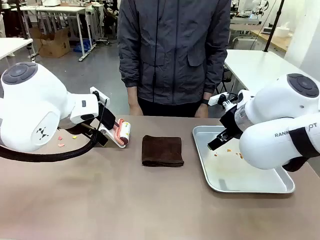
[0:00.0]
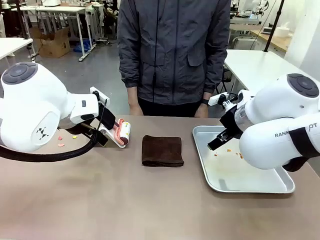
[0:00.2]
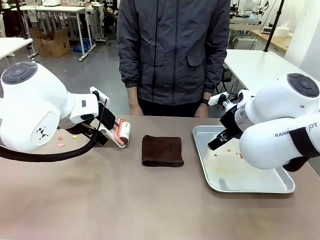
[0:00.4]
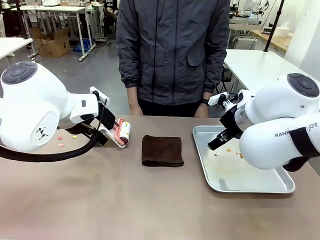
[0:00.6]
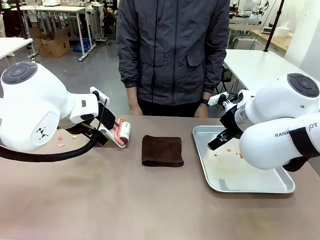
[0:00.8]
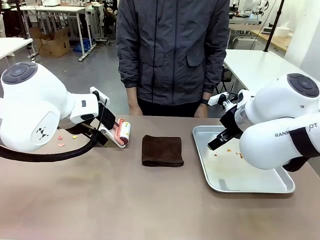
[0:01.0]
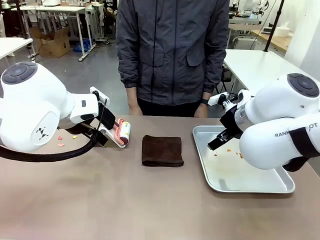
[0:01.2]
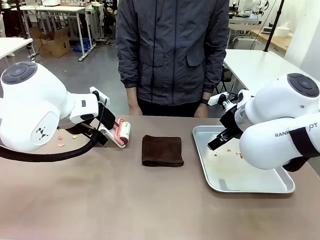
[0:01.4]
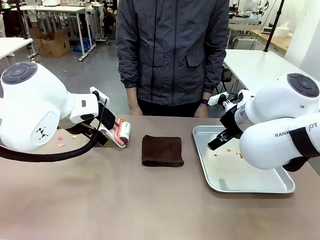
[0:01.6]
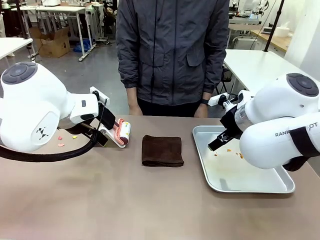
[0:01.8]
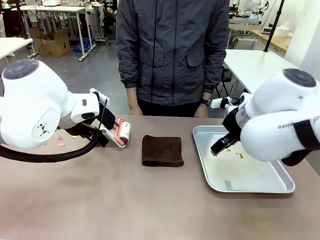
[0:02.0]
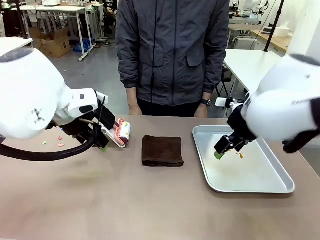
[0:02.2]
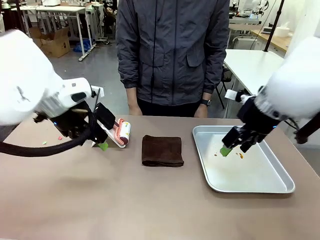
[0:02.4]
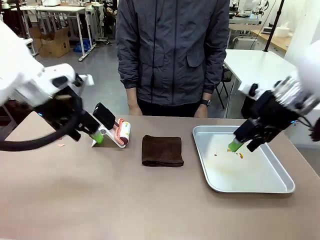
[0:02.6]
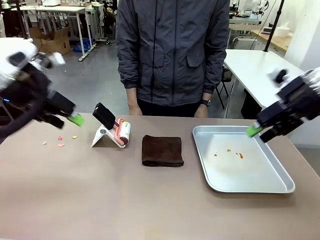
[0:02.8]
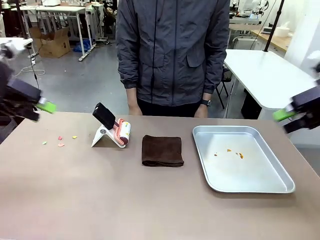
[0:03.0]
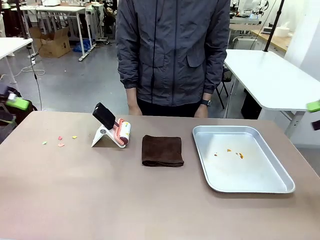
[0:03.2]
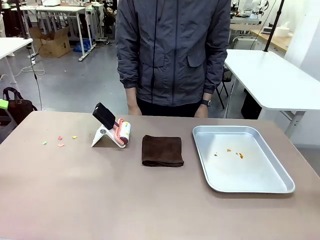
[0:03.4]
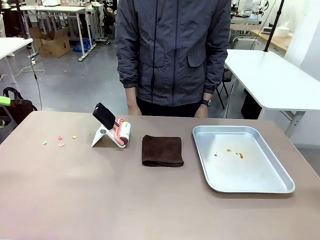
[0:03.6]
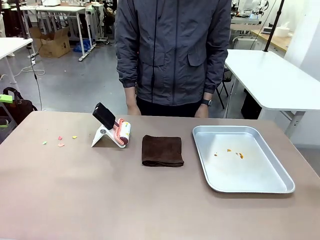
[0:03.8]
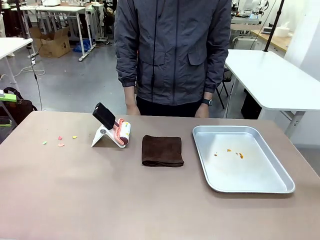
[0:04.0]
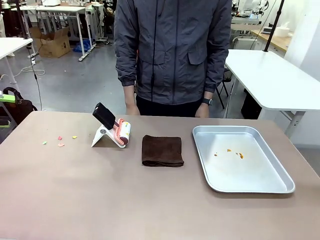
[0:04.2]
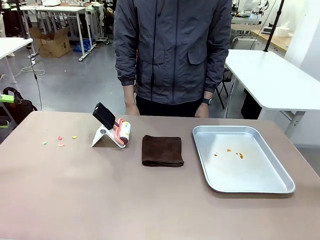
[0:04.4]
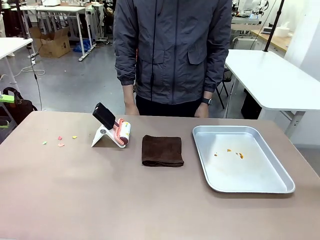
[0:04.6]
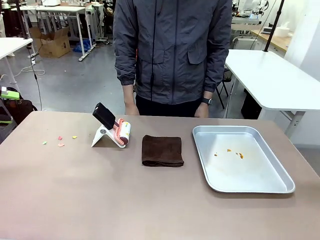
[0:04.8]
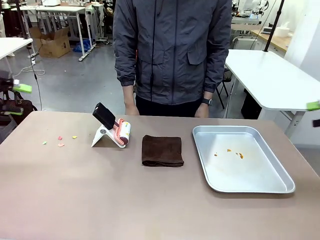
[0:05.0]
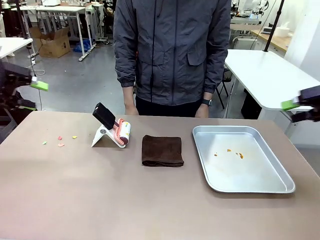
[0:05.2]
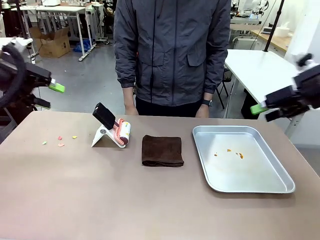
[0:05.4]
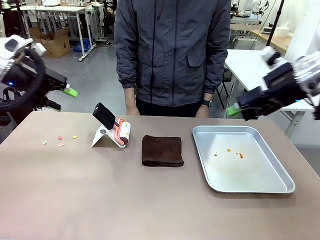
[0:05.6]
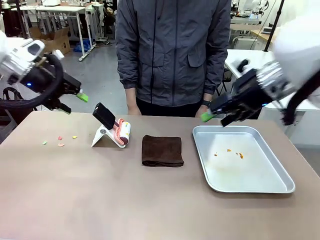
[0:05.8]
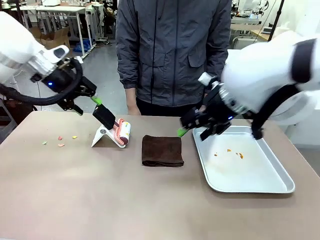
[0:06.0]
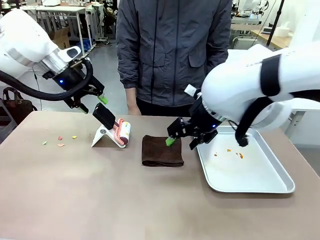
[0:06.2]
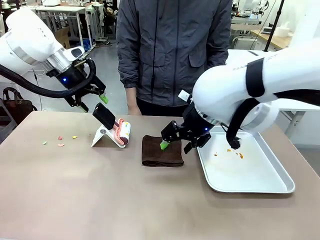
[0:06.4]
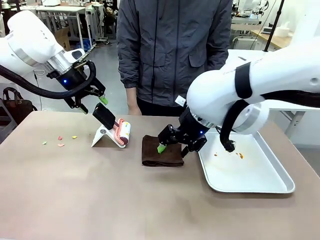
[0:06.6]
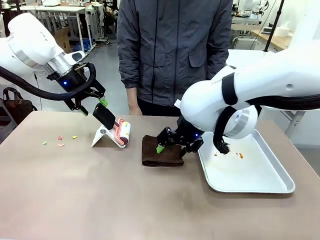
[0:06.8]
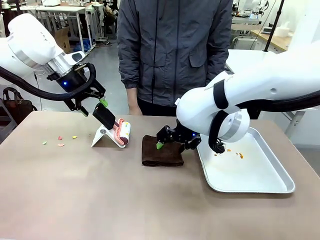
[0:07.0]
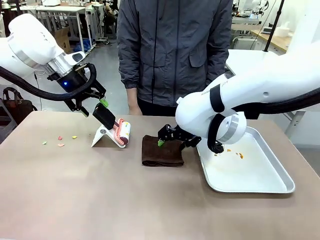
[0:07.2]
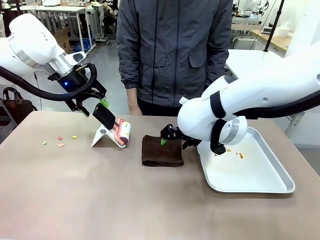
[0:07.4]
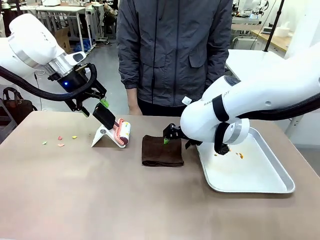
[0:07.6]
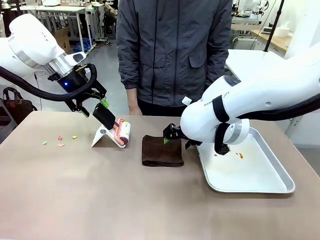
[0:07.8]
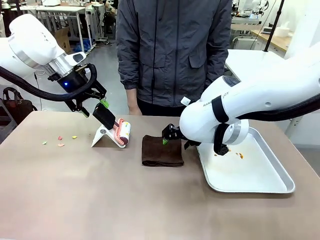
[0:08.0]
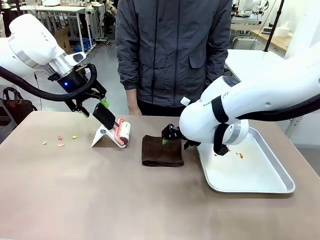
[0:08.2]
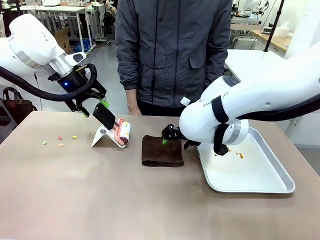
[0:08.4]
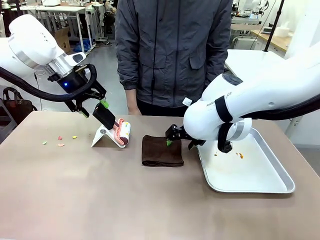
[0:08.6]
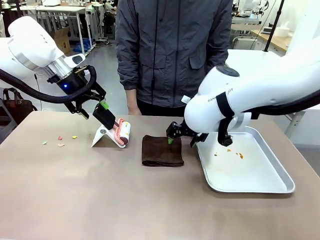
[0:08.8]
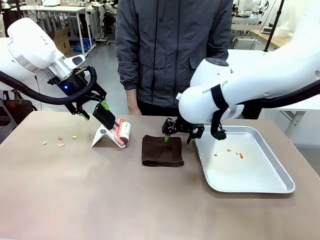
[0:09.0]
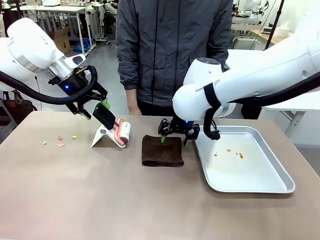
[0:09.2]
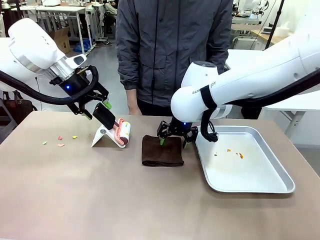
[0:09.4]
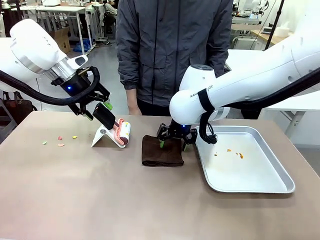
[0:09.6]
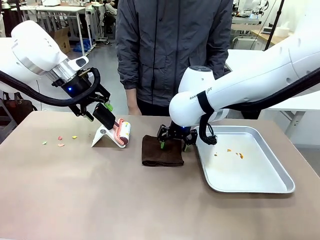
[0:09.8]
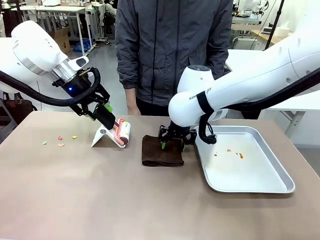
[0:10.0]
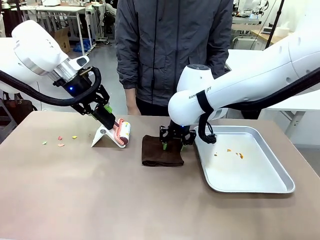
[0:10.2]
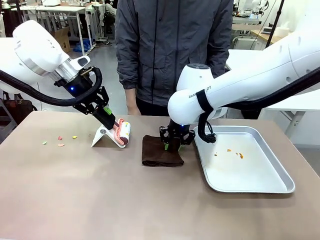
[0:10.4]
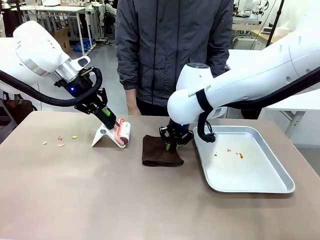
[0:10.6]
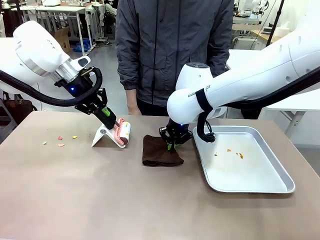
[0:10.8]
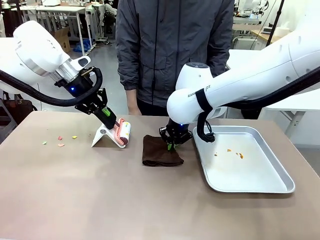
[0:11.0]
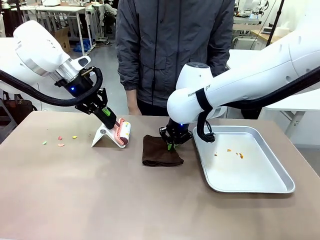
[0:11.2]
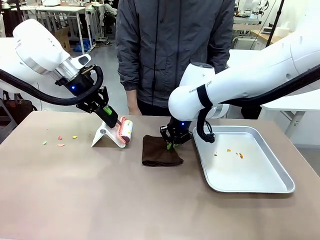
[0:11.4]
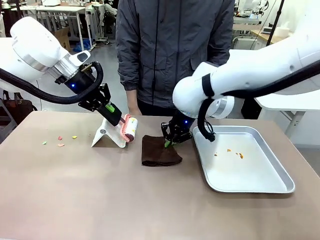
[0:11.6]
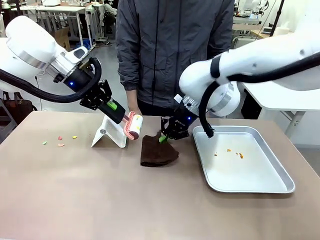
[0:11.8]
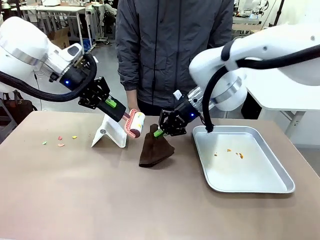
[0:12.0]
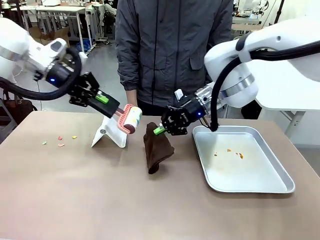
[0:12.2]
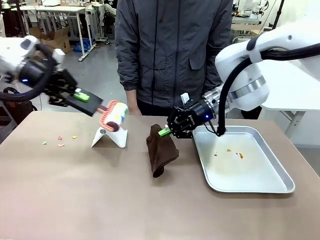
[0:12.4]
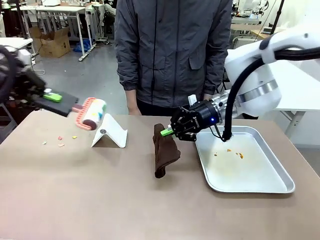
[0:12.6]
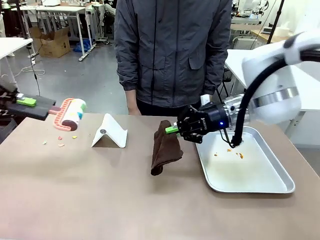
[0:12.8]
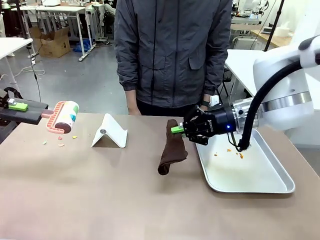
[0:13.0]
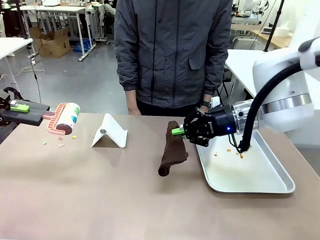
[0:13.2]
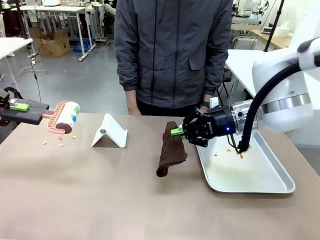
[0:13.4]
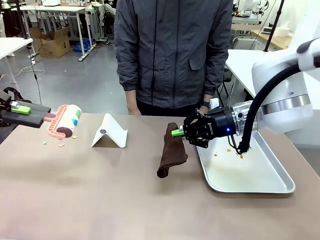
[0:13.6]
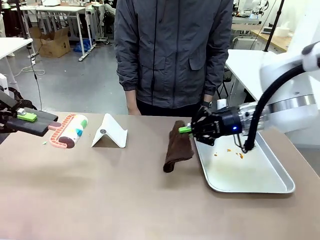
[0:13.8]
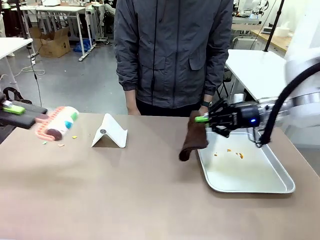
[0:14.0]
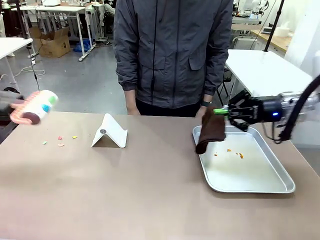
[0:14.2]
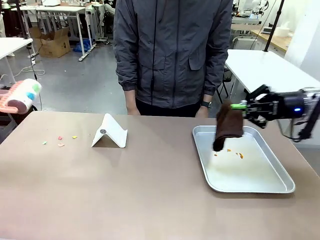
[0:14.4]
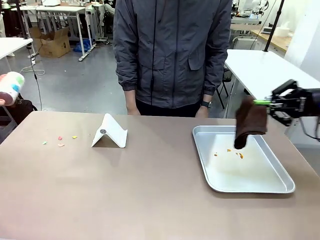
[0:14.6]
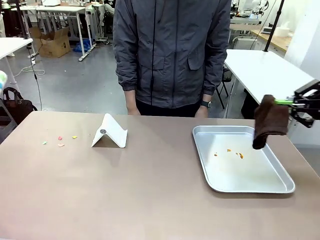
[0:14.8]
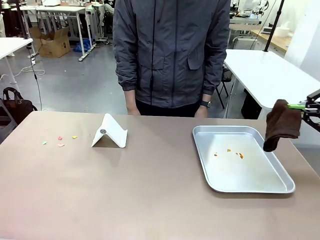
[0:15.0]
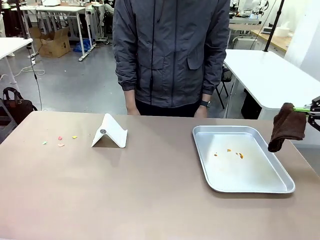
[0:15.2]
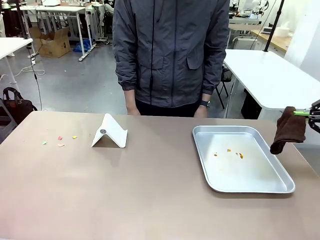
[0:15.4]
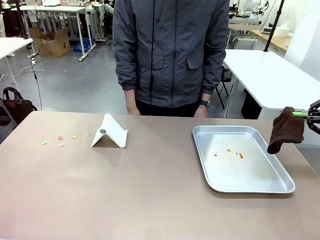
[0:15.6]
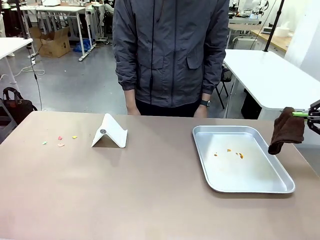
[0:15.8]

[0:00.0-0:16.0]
Task: Clean the surface of the table.
Robot: Hold the Lint Roller with your left hand and the towel with your right hand.

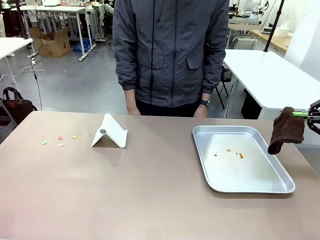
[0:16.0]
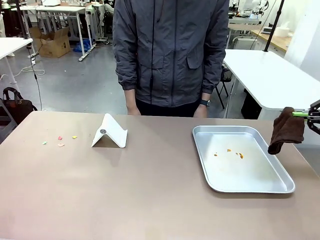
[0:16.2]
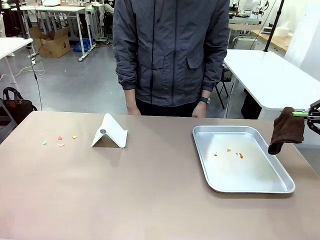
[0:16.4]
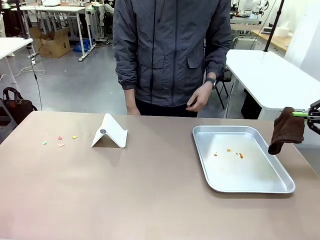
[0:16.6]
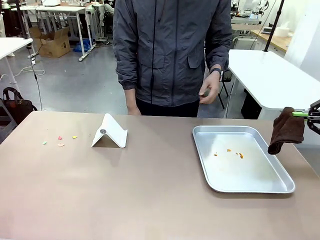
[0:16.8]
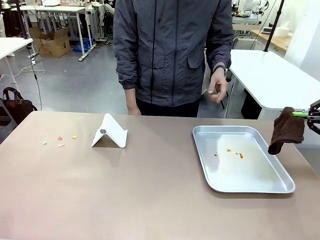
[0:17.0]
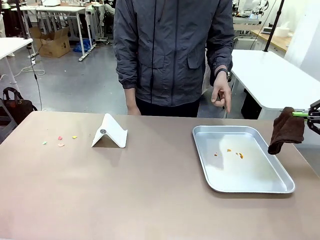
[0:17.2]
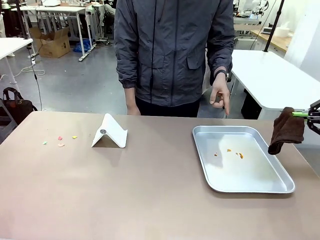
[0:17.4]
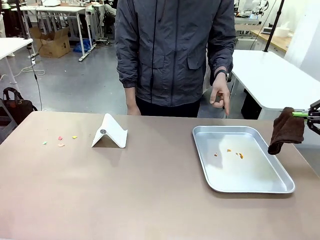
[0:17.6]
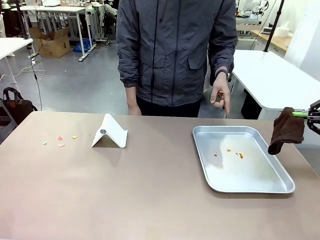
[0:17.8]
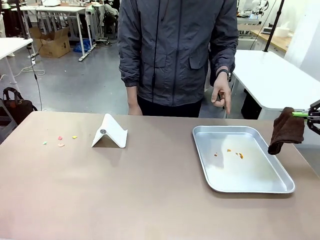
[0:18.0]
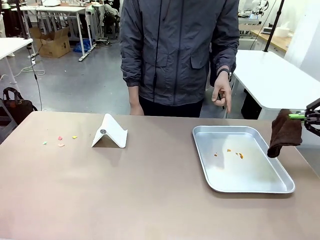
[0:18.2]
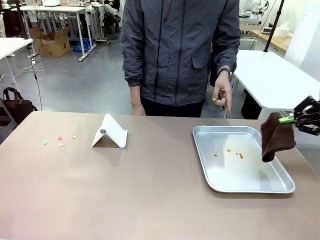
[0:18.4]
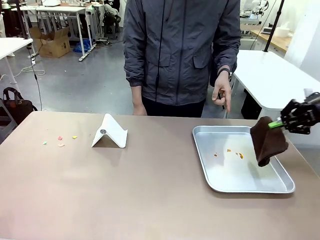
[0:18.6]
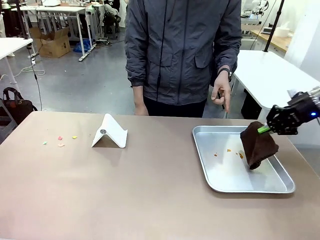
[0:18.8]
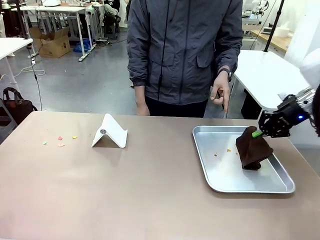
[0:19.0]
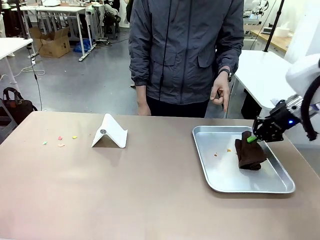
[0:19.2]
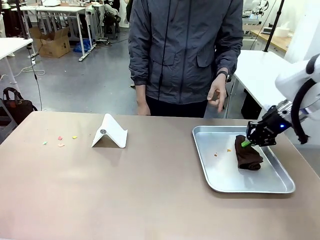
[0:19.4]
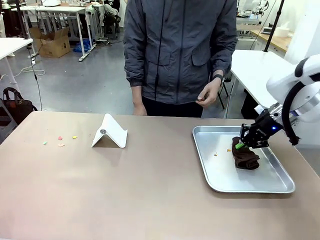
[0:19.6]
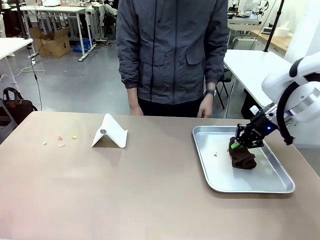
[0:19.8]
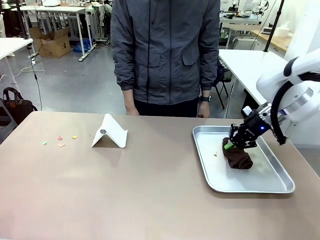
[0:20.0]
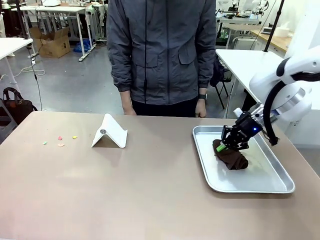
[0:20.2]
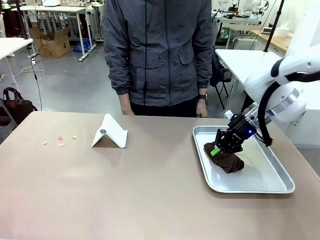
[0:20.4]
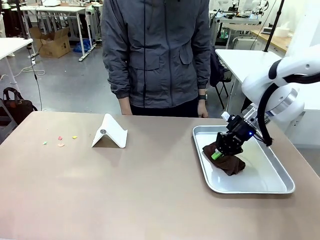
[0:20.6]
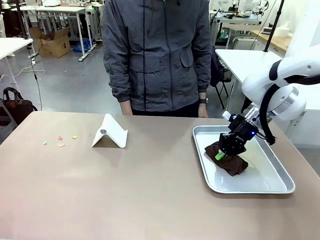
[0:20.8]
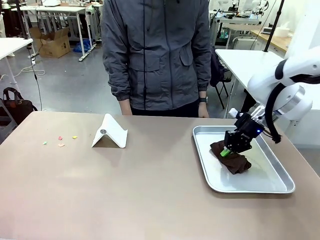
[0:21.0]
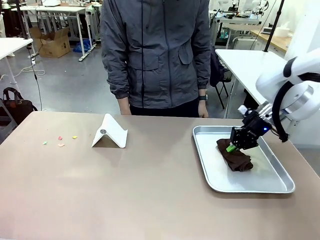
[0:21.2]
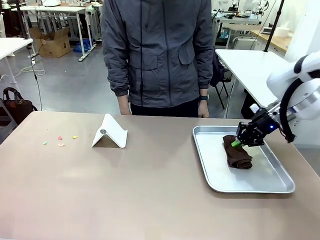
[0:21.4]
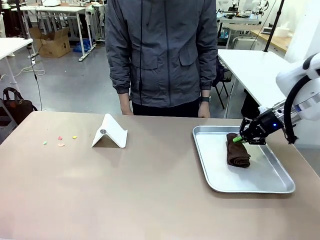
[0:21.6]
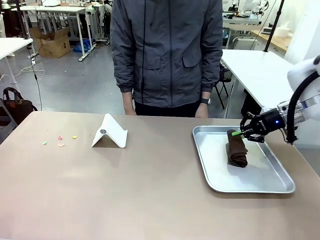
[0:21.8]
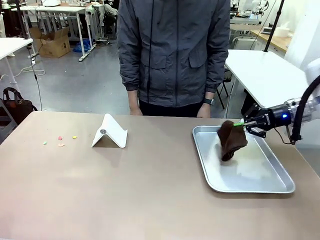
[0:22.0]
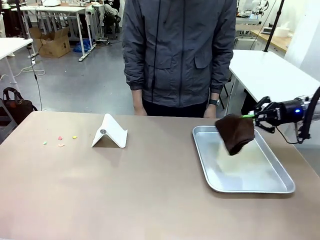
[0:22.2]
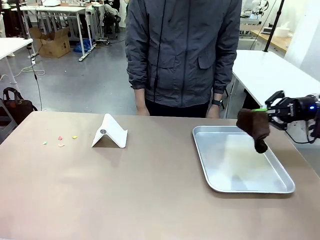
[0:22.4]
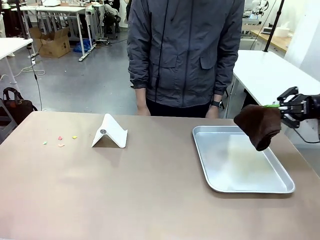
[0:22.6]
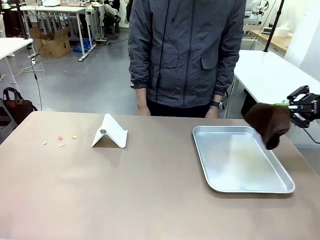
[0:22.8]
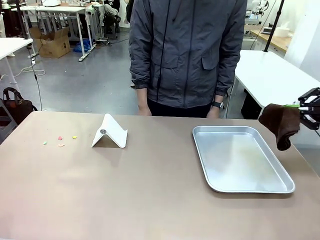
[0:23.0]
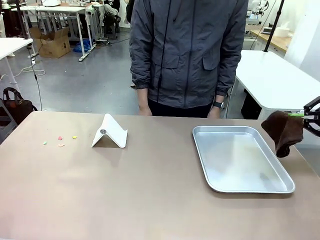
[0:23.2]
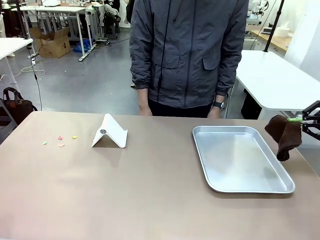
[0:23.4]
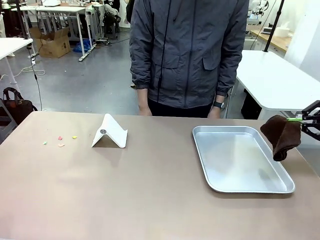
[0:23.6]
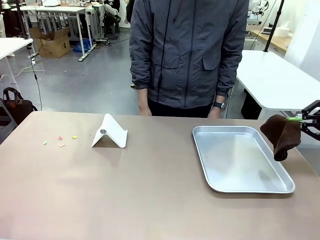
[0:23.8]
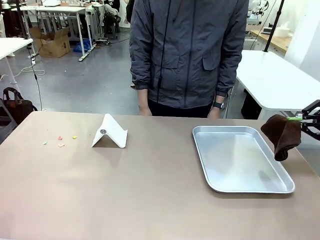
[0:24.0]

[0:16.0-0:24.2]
Robot: If a person points to the right, clean the right side of the table with your right hand, and if they point to the left, clean the left side with your left hand.
